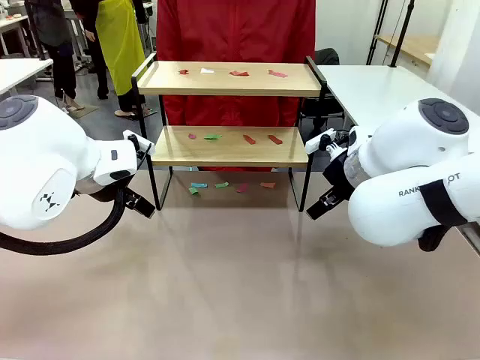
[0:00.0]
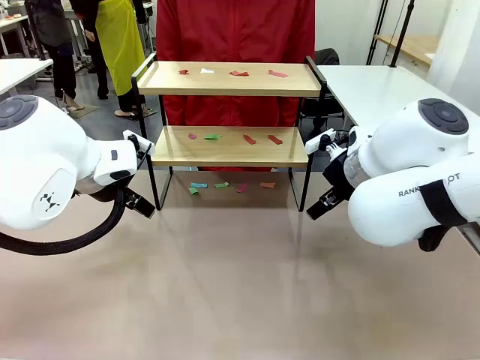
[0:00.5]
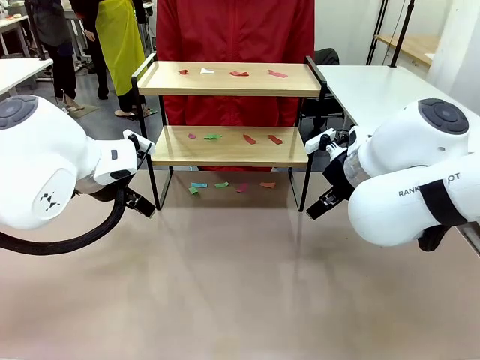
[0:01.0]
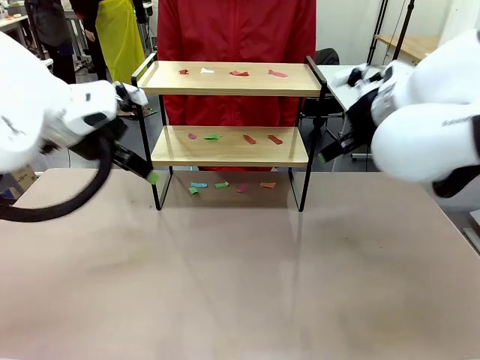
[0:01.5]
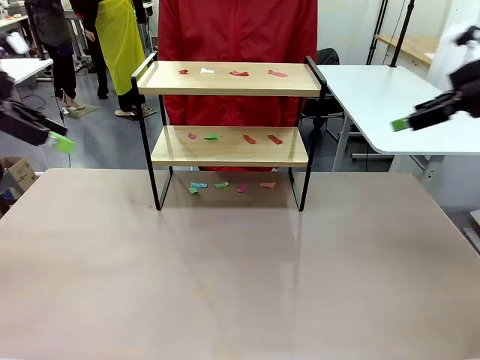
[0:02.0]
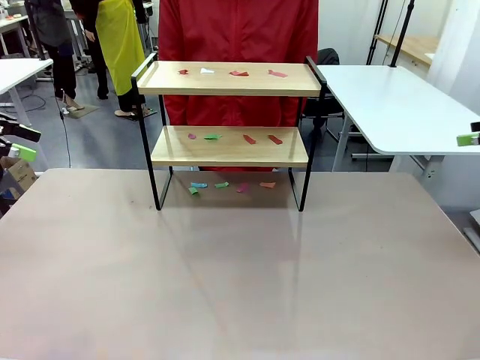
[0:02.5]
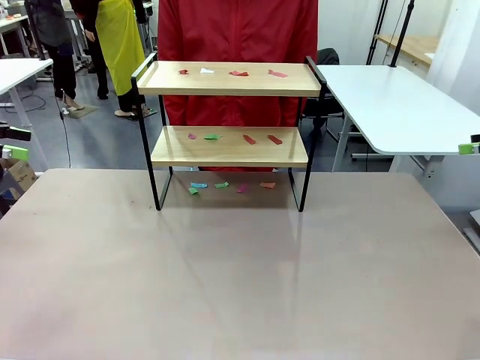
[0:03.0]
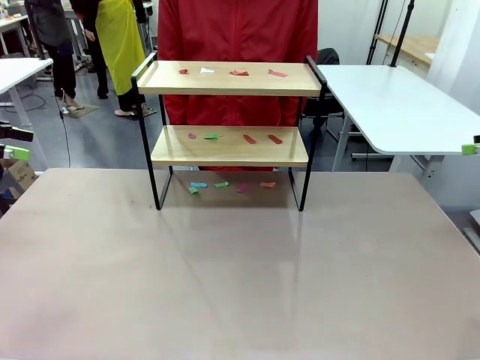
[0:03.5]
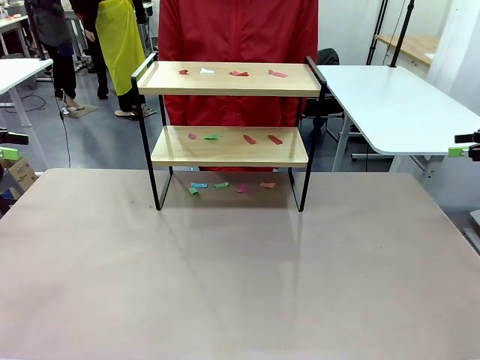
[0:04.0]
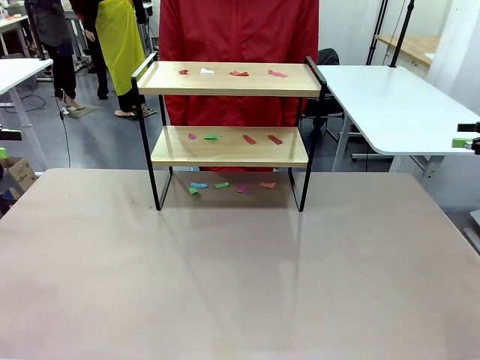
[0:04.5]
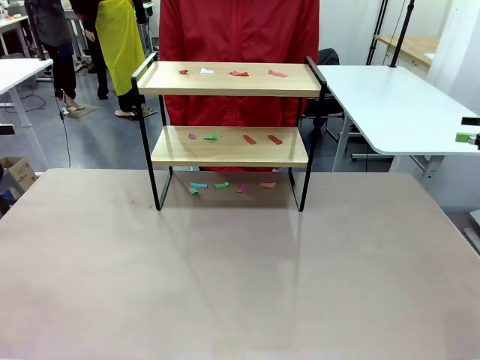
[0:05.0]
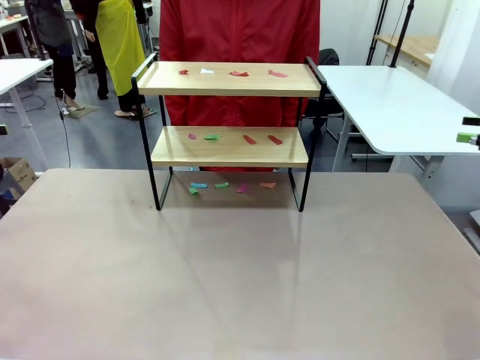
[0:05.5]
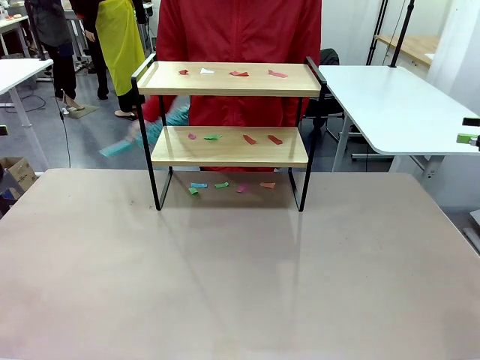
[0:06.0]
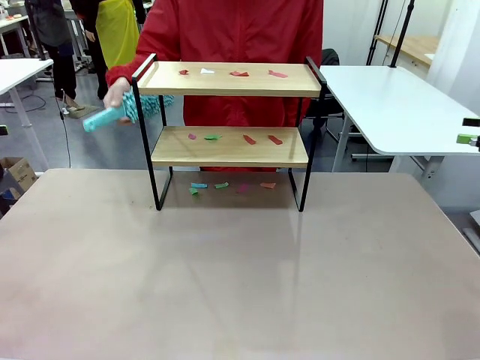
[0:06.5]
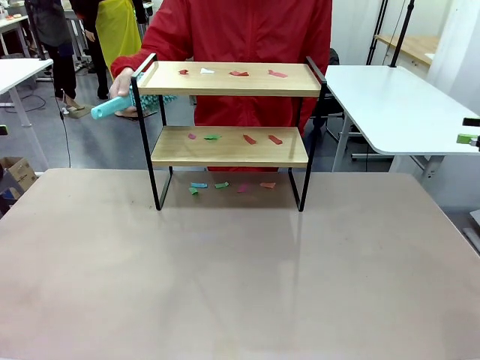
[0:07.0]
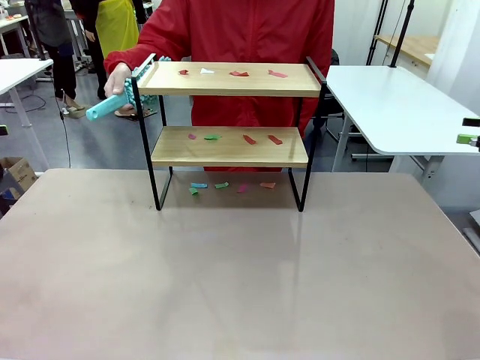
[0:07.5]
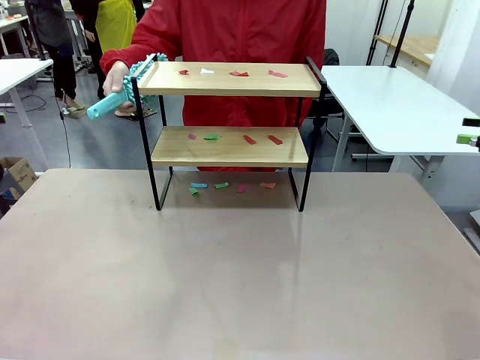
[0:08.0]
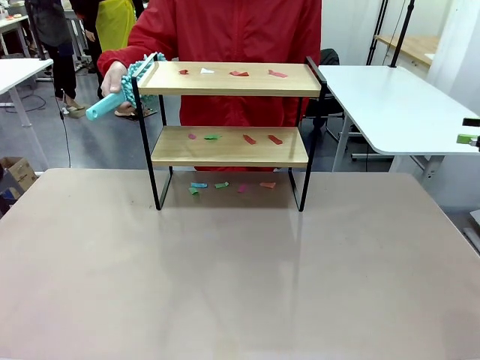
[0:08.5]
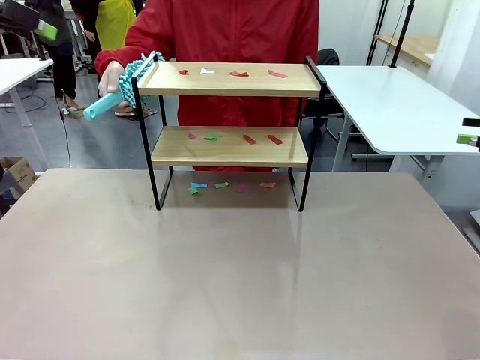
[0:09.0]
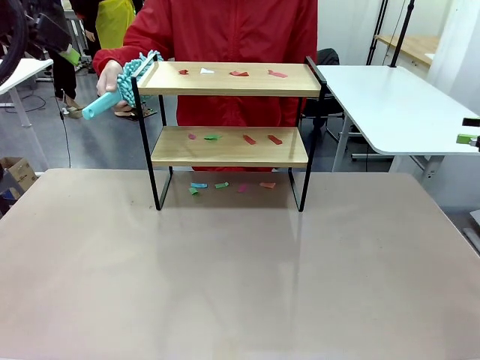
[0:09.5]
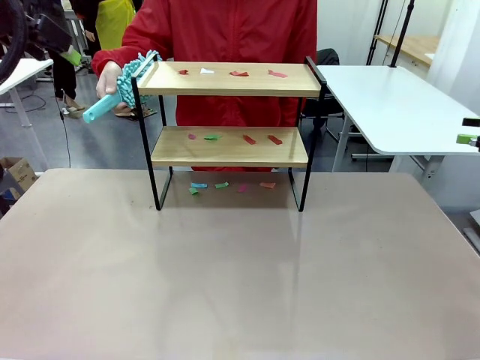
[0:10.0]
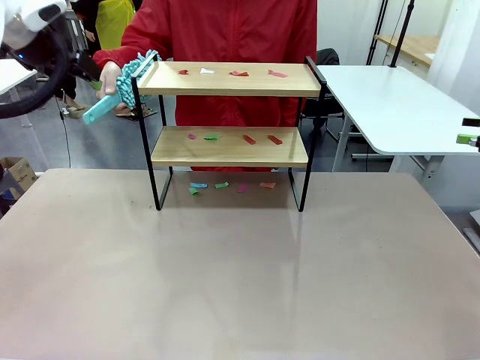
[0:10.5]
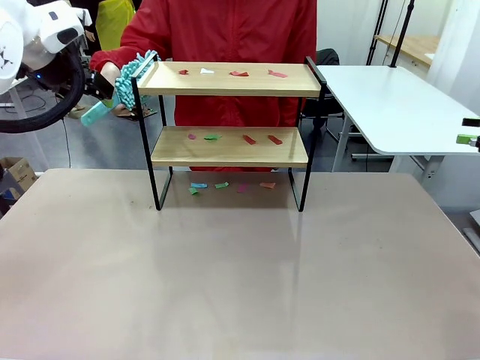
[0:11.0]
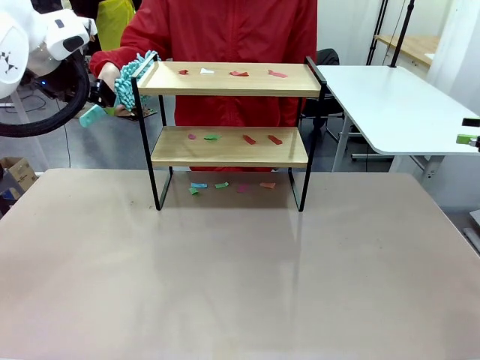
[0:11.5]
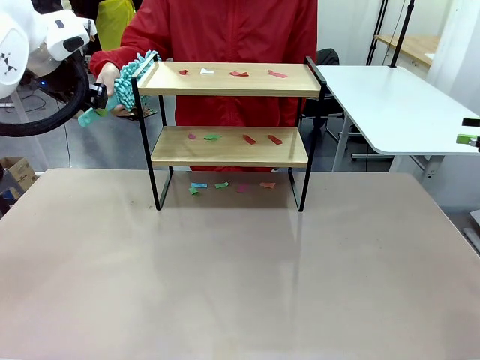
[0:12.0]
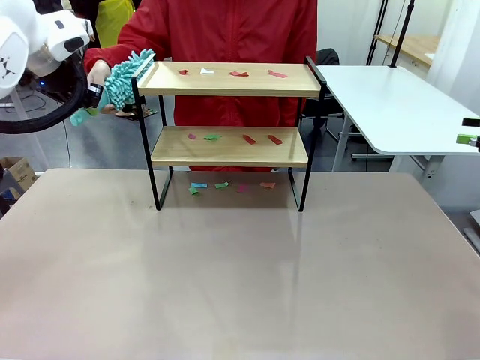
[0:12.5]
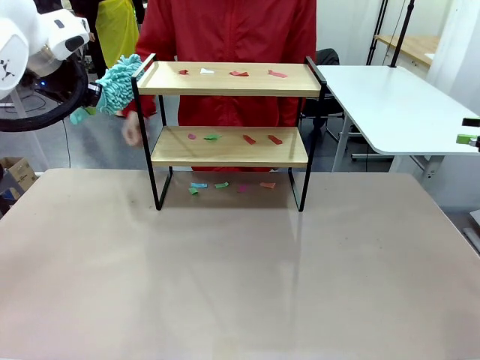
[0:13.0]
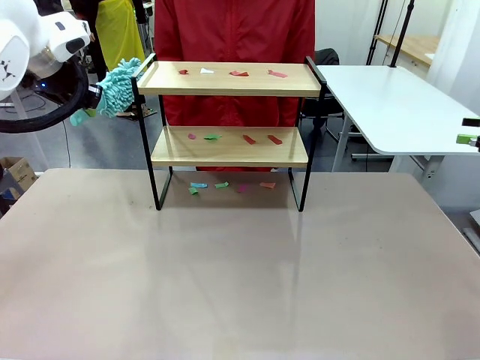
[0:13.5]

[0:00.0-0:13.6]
Task: Clean the shelf.
Robot: Pick up the Duster handed by the human.
Person: Hand the Duster to the robot.

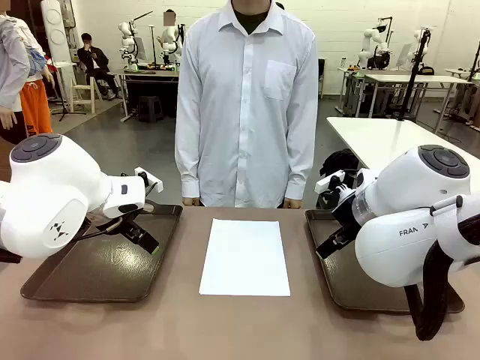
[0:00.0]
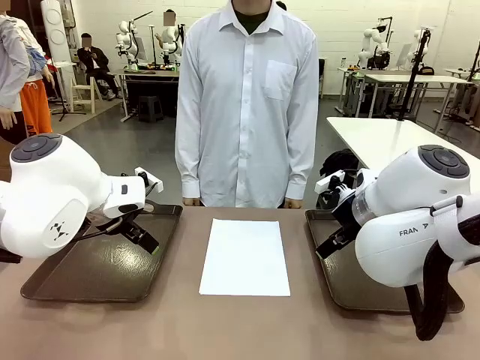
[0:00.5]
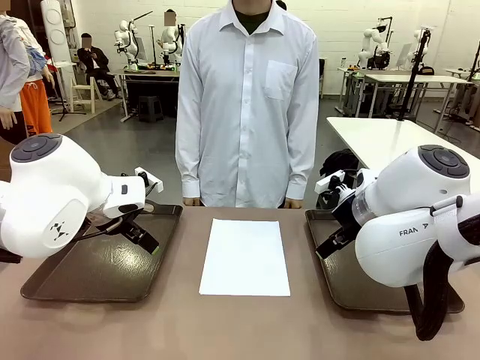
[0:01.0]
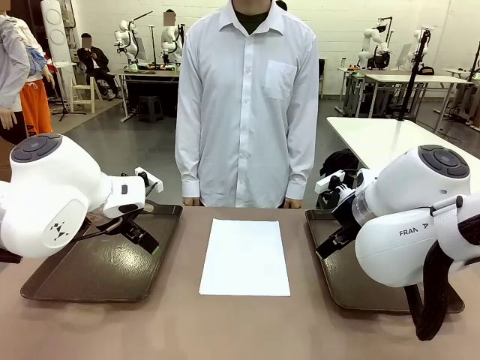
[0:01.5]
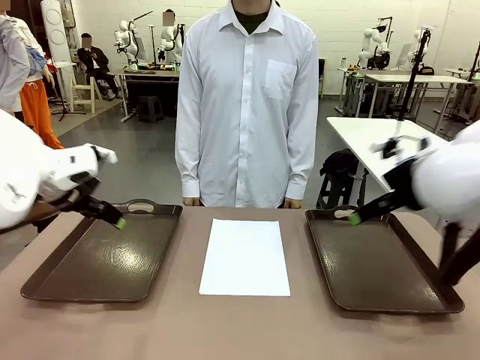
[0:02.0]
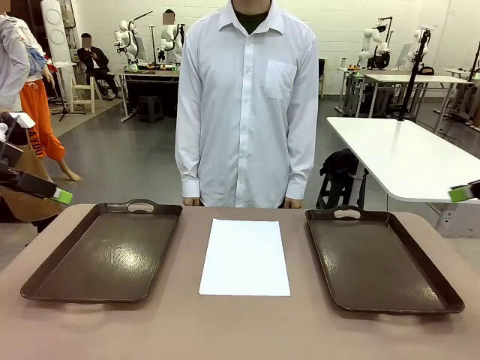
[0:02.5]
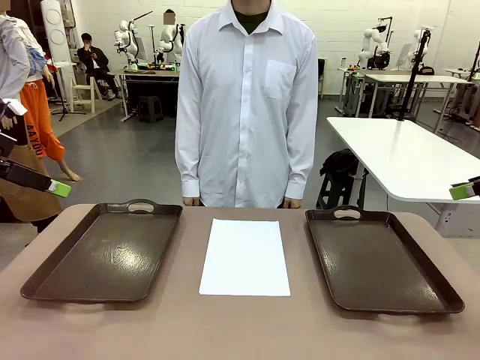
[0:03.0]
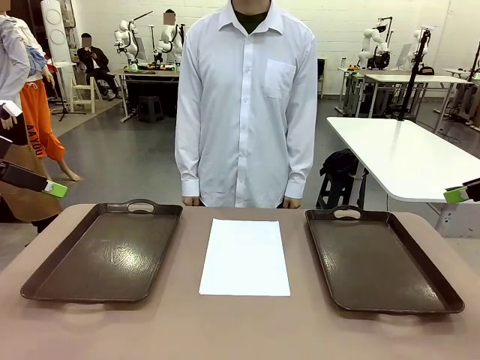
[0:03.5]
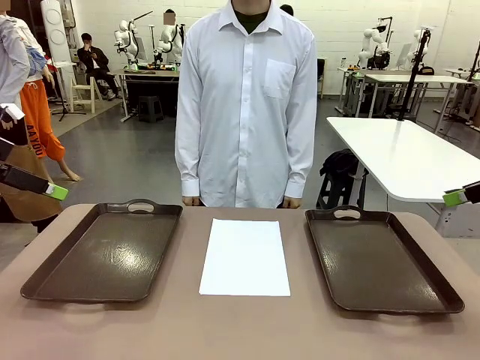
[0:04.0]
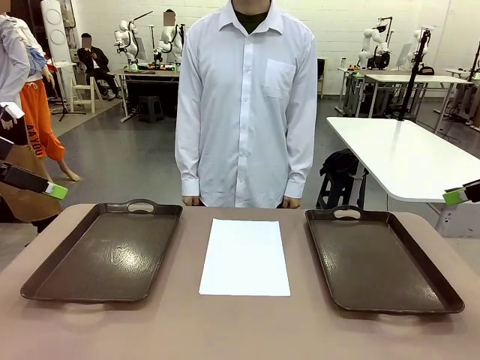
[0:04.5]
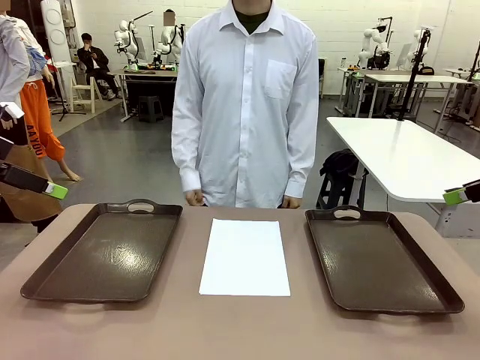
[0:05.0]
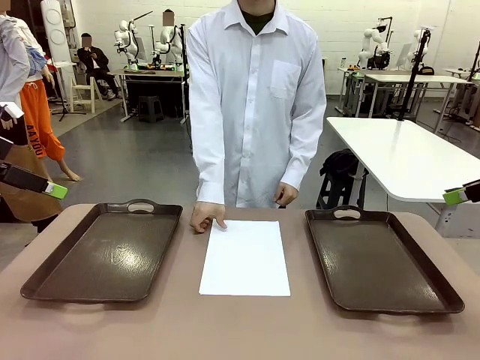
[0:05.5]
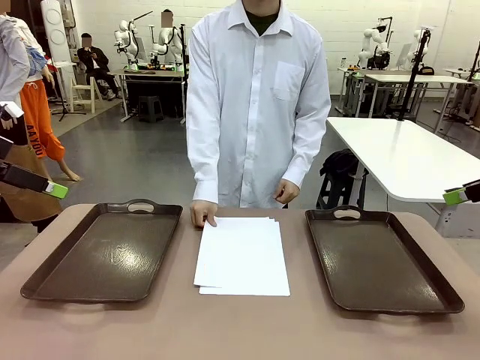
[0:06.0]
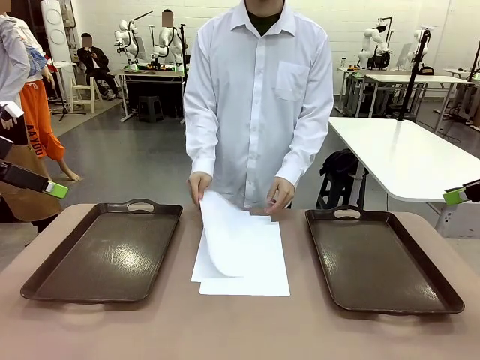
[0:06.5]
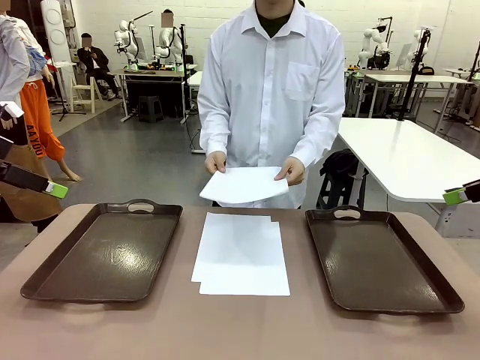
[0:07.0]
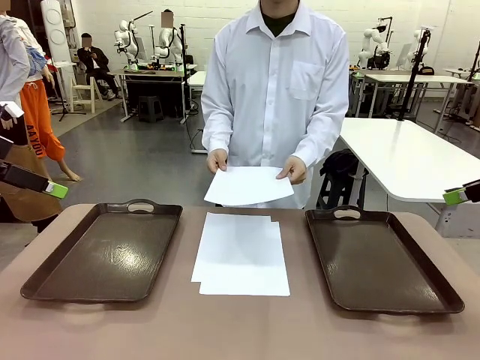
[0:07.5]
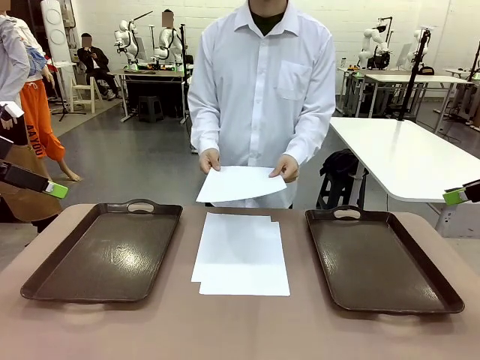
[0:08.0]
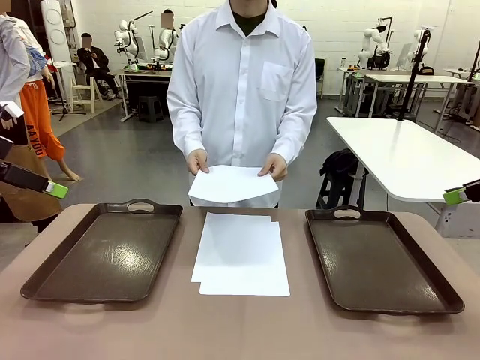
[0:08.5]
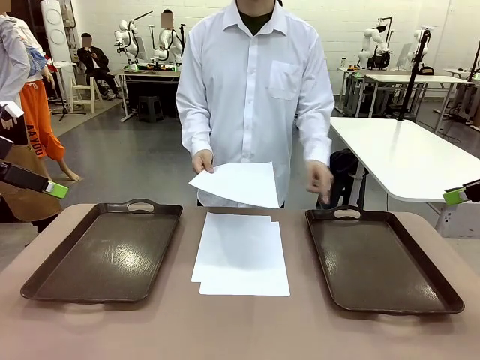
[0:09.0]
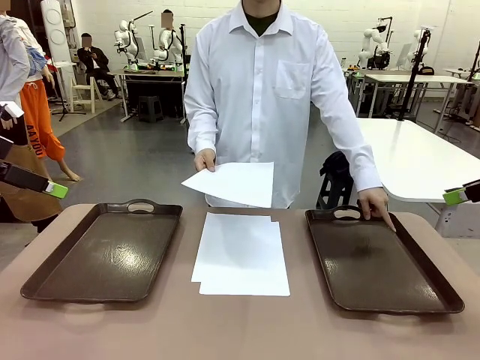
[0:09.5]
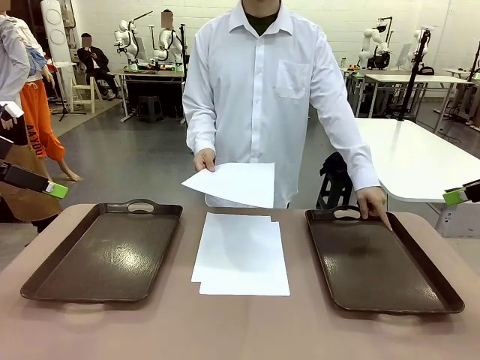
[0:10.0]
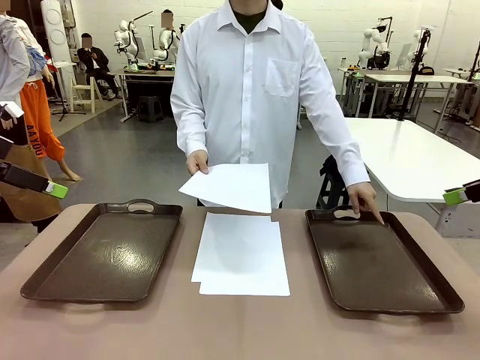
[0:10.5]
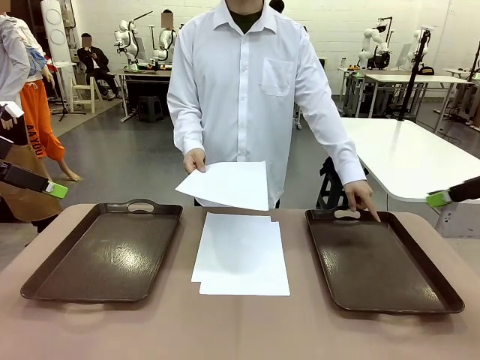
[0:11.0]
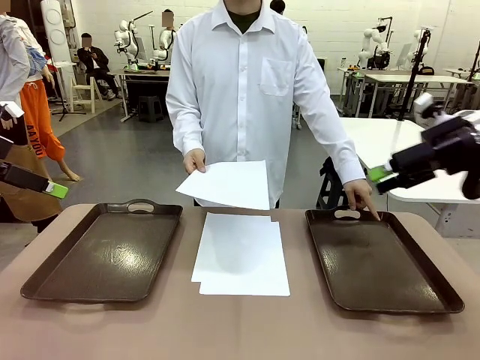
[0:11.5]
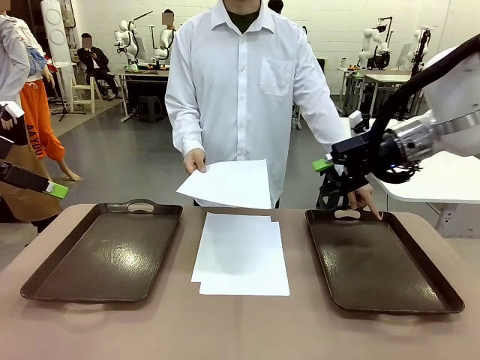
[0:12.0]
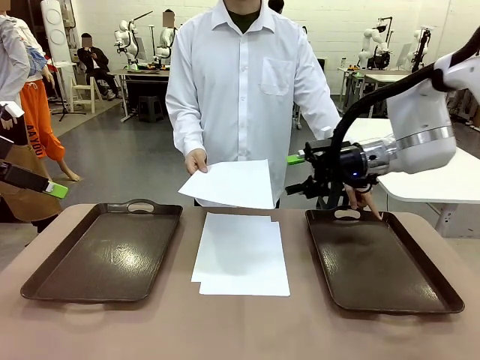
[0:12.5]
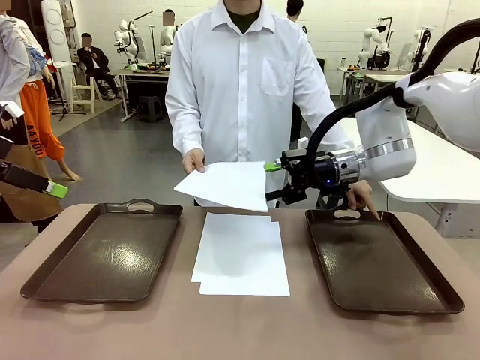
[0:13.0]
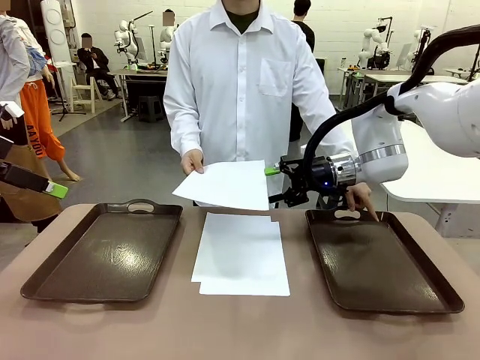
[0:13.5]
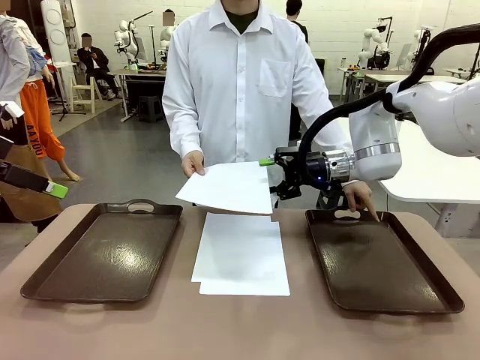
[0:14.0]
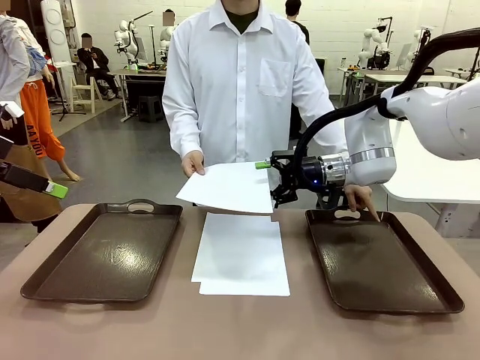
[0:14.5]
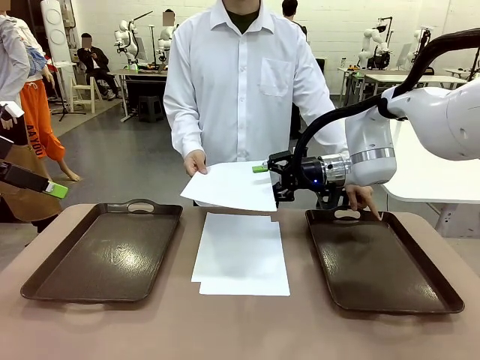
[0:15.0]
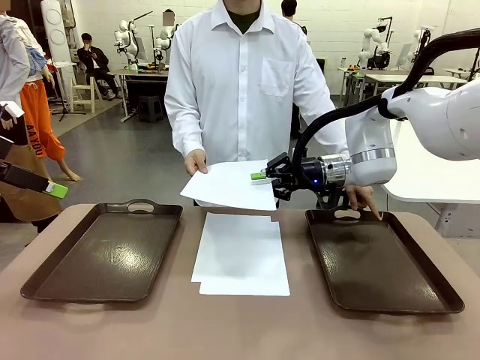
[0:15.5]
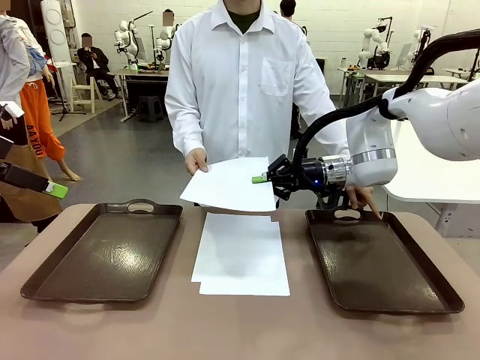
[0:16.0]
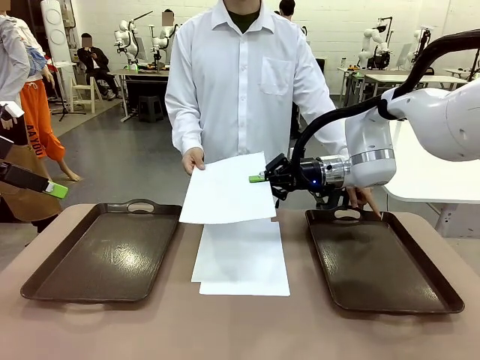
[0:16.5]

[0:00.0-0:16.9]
Task: Sort the A4 documents.
Robot: Receive the A4 Paper.
Person: Pick up a sheet of paper from the center of the table and hand it to the robot. Point the randomly selected tray with the other hand.
